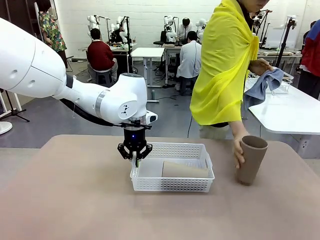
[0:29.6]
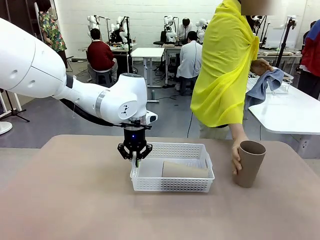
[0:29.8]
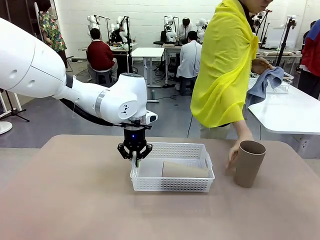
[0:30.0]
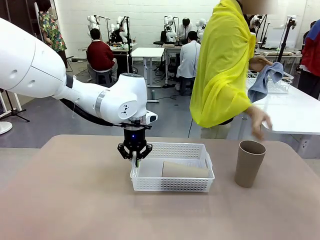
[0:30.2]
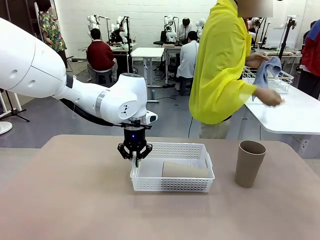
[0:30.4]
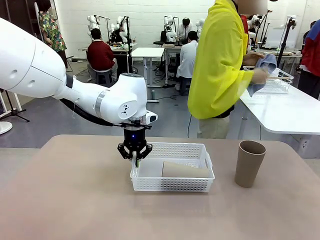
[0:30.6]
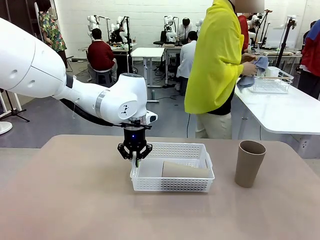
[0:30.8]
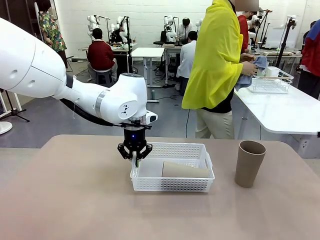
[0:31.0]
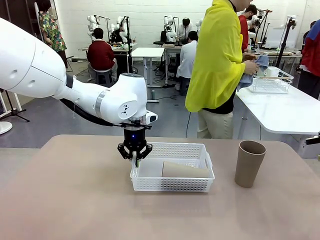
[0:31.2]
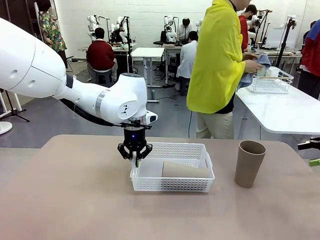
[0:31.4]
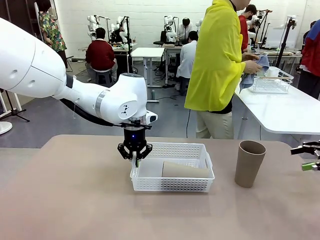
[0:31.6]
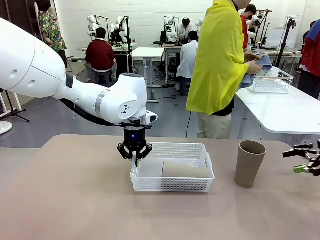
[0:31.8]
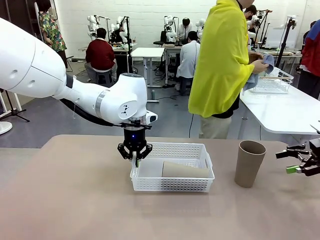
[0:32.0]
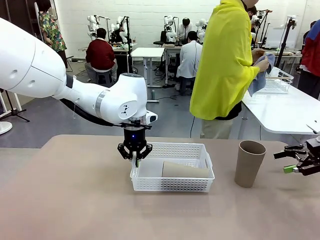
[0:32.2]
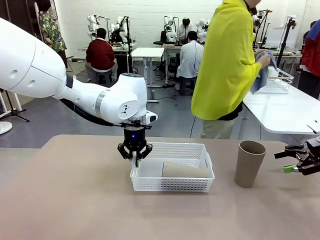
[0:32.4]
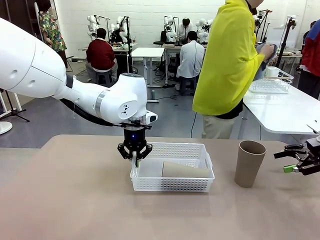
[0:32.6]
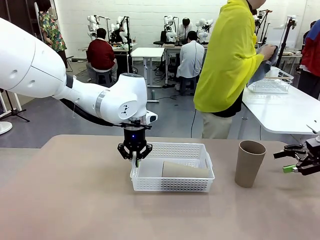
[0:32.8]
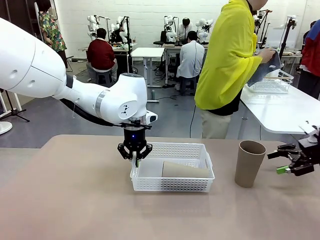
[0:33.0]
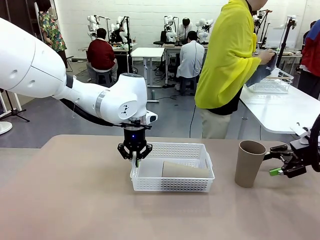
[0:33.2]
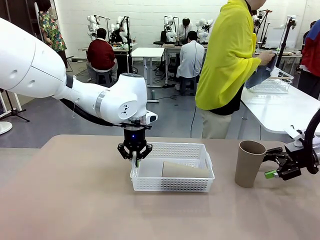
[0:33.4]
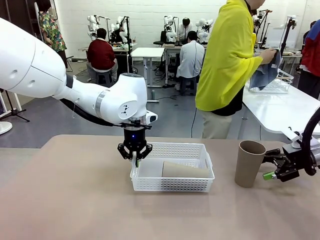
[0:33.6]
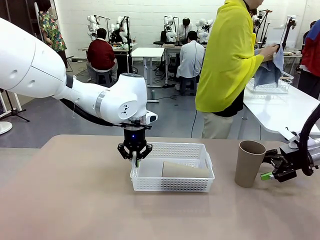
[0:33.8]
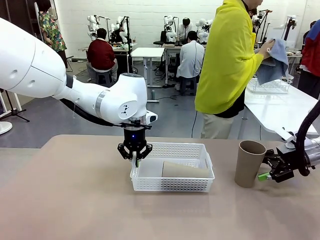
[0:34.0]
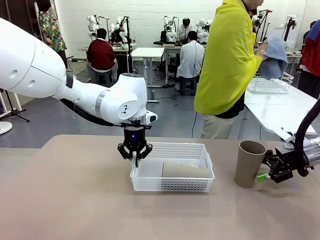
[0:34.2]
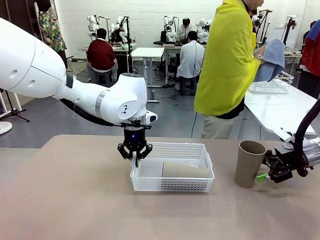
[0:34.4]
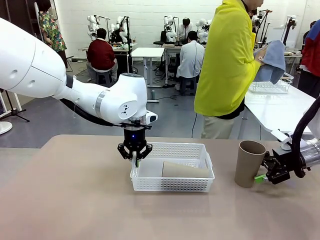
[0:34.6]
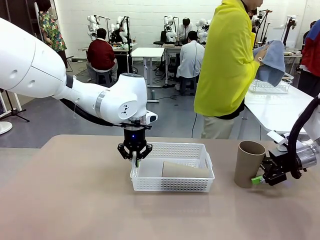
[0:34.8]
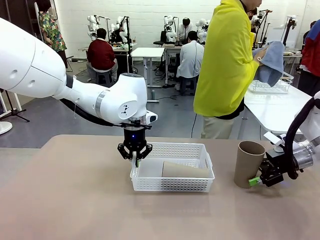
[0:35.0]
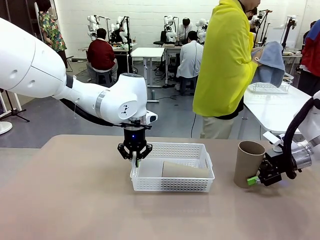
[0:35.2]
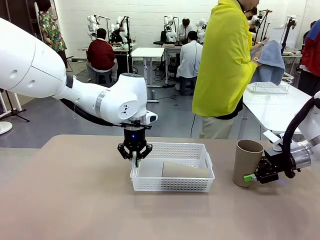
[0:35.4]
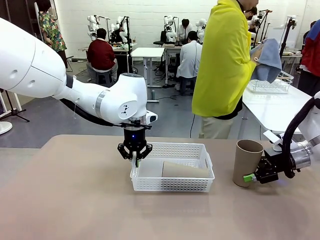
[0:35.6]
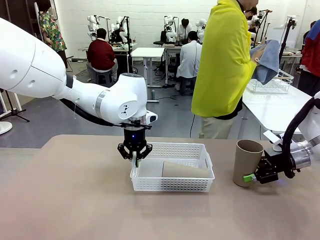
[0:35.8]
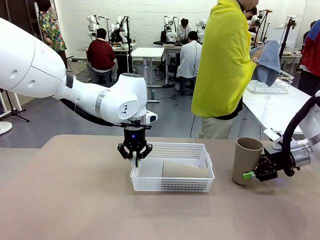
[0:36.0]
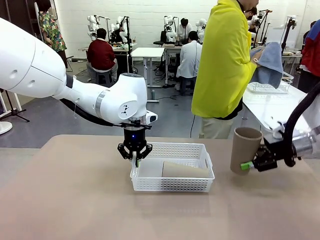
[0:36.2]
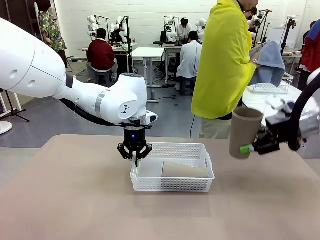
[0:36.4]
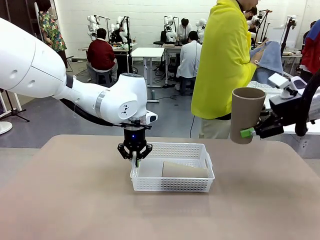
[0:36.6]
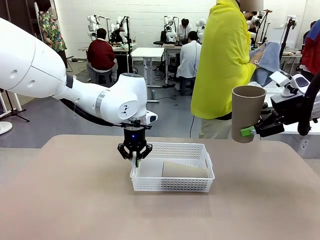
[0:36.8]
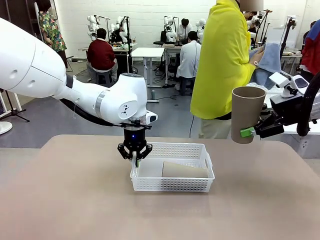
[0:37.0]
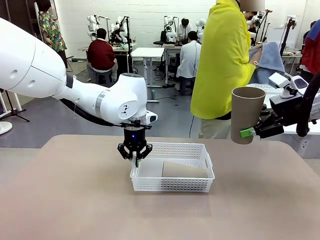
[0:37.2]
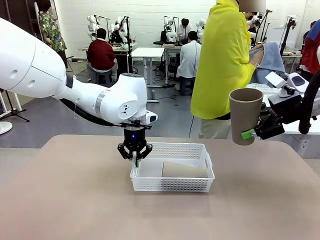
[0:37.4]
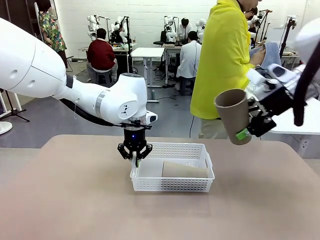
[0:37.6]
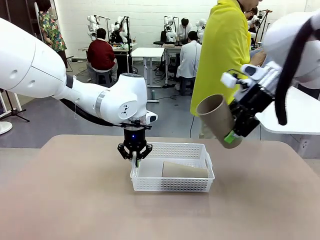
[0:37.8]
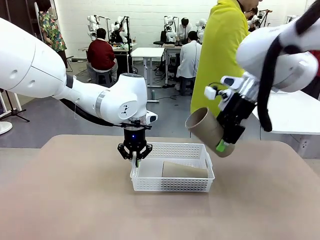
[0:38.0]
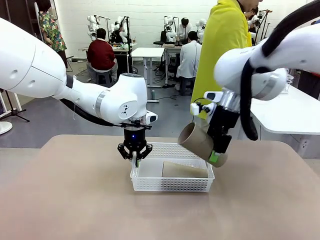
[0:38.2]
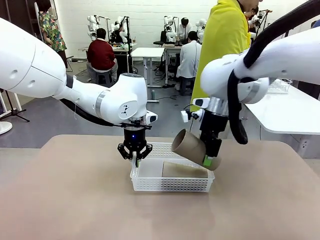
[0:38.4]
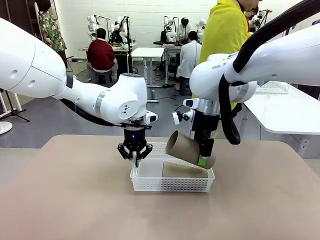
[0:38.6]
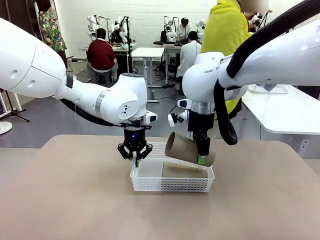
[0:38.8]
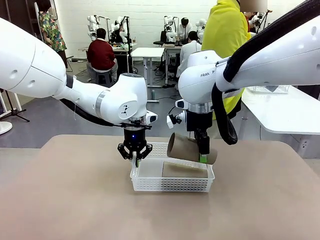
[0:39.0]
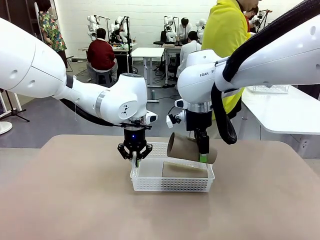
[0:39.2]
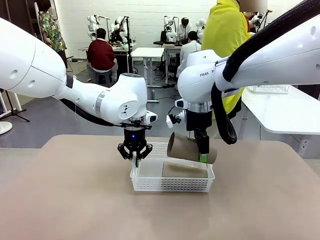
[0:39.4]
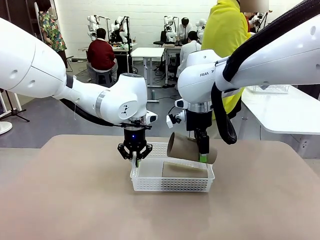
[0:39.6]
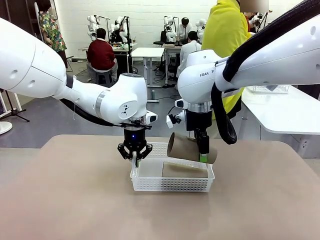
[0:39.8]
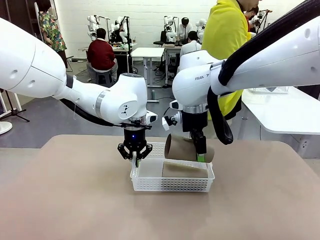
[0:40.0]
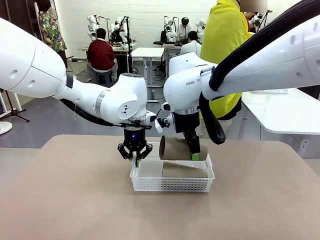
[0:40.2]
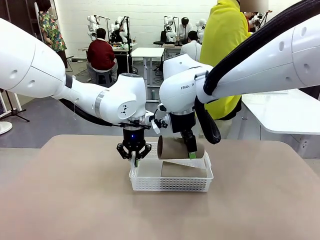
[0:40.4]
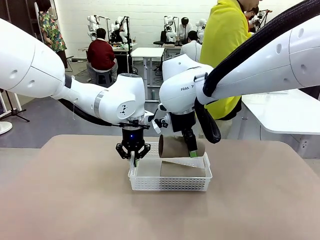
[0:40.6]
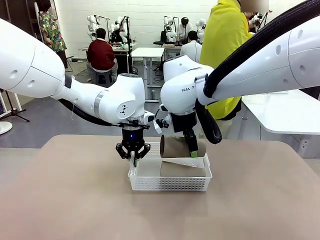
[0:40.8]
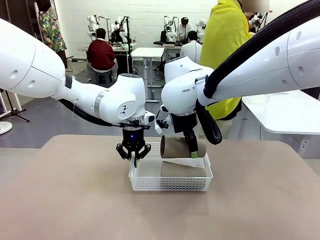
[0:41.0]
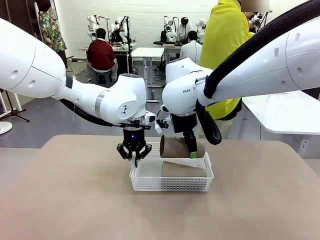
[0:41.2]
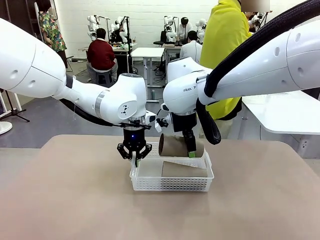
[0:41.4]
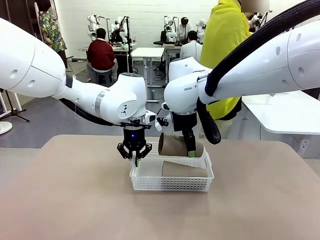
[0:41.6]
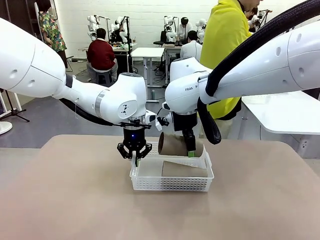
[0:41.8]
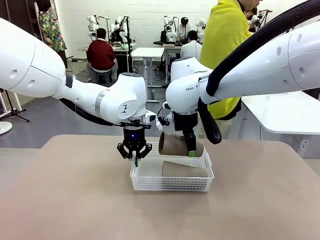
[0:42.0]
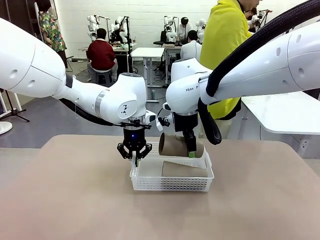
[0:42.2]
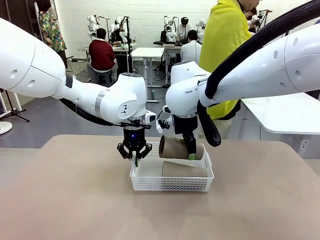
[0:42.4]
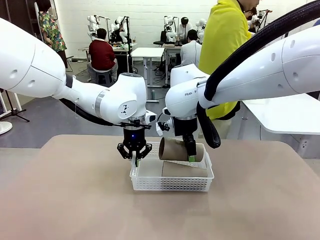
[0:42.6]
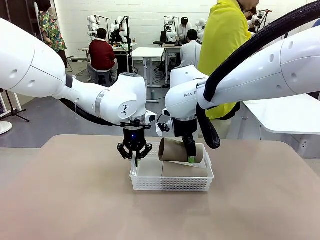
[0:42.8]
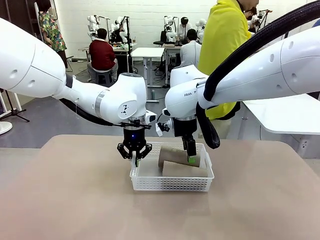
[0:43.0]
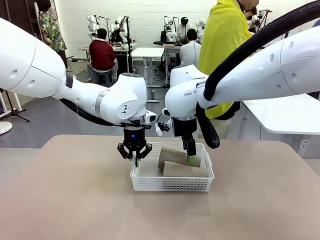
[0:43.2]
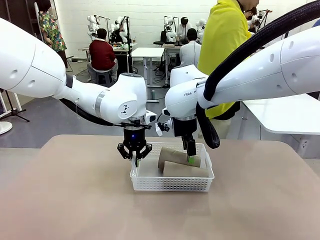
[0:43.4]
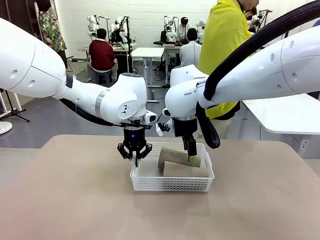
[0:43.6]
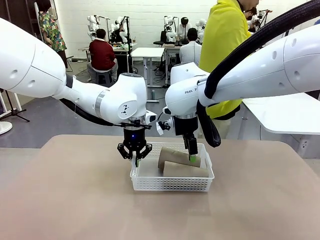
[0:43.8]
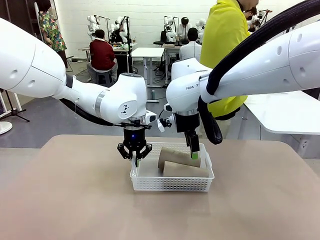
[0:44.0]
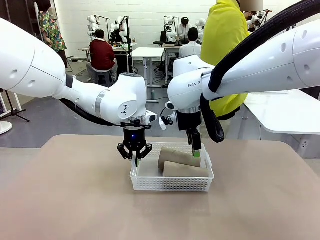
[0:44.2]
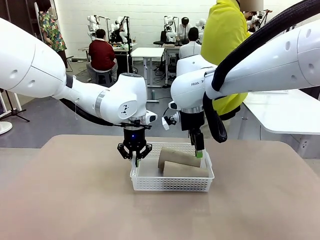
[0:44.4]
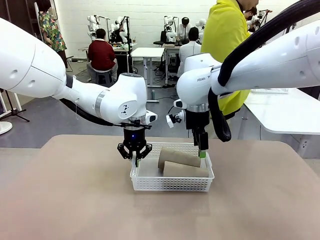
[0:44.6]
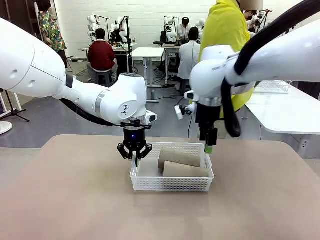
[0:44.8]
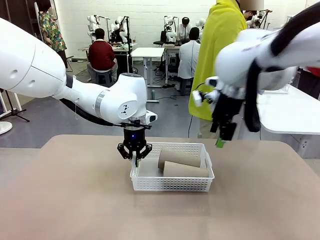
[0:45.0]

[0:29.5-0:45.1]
Task: Clean and organize the cups into the basket.
Robot: Pick up the Reusable plastic cup from the right side of the table and stack it inside the Organizing basket in the center of the table.

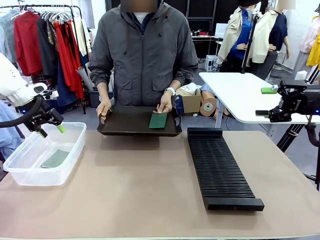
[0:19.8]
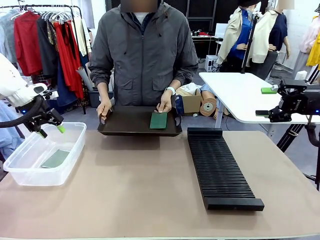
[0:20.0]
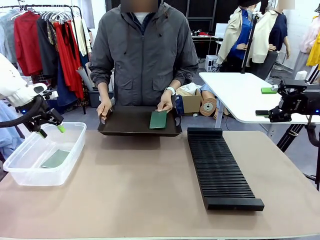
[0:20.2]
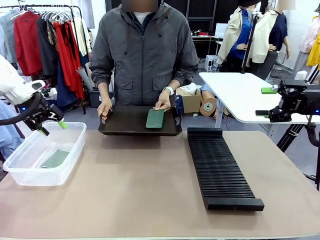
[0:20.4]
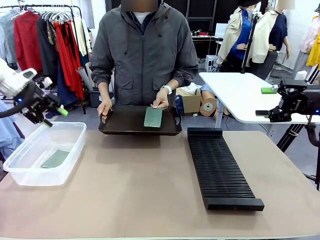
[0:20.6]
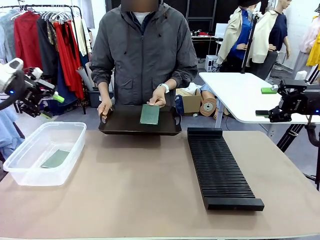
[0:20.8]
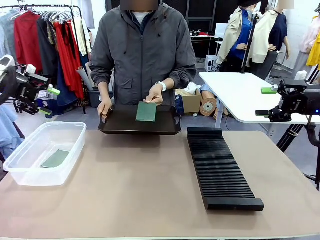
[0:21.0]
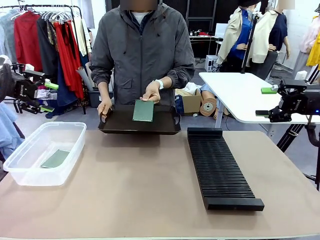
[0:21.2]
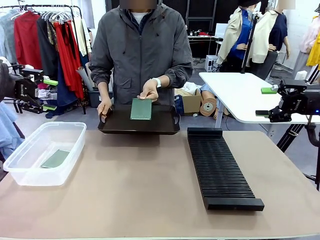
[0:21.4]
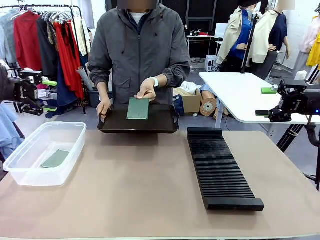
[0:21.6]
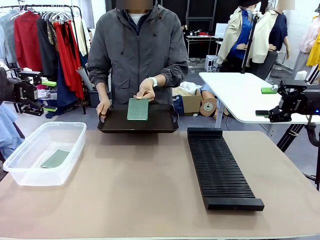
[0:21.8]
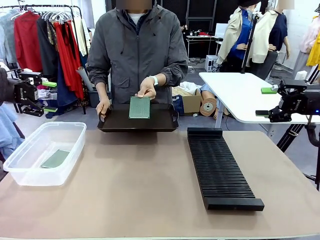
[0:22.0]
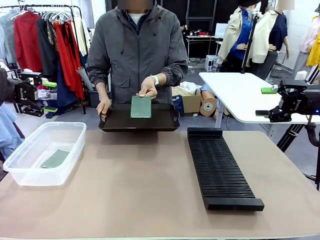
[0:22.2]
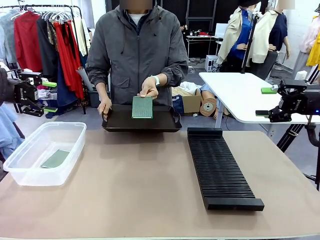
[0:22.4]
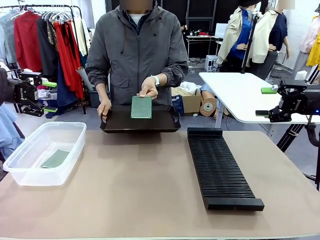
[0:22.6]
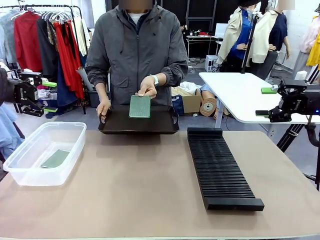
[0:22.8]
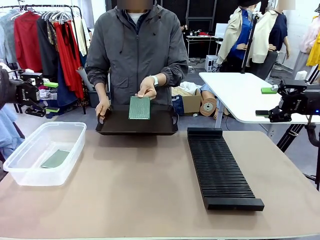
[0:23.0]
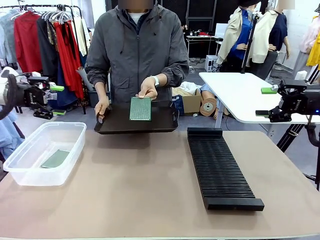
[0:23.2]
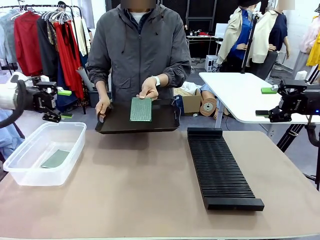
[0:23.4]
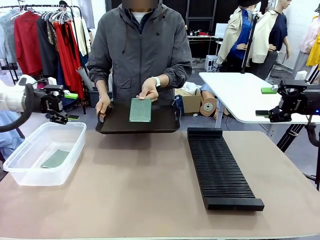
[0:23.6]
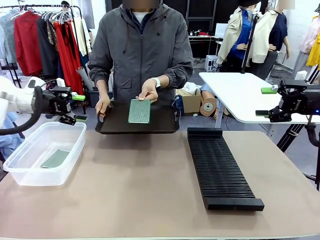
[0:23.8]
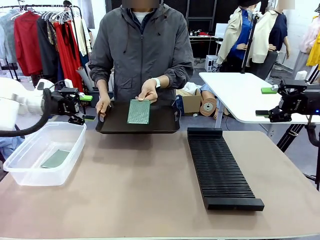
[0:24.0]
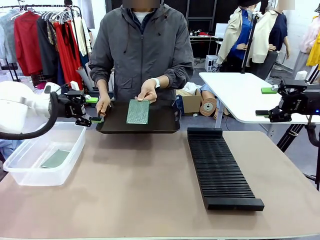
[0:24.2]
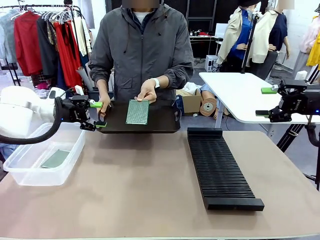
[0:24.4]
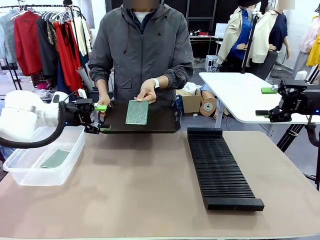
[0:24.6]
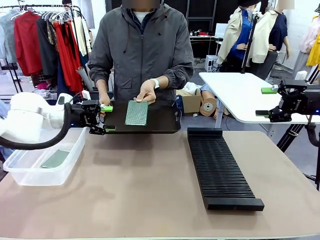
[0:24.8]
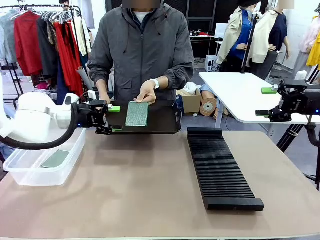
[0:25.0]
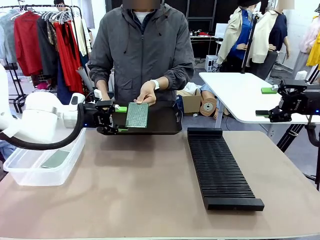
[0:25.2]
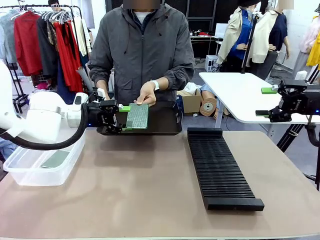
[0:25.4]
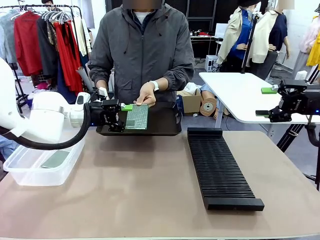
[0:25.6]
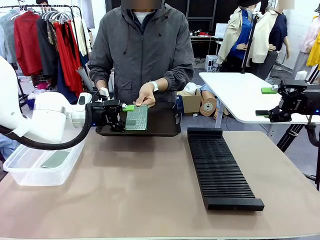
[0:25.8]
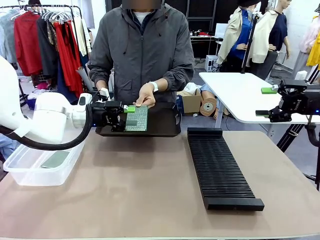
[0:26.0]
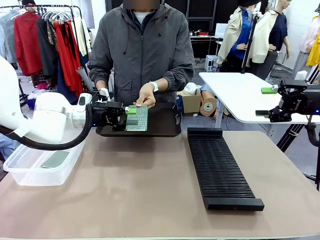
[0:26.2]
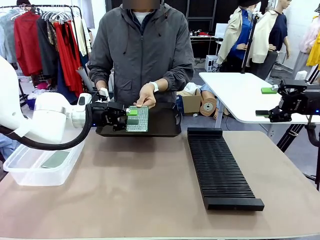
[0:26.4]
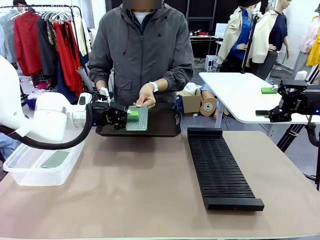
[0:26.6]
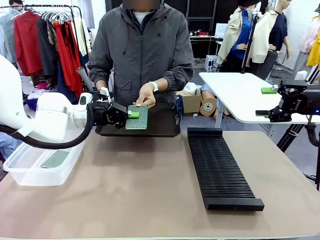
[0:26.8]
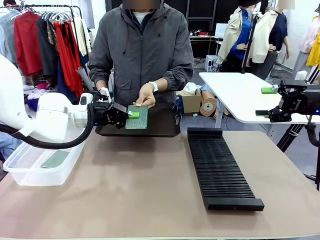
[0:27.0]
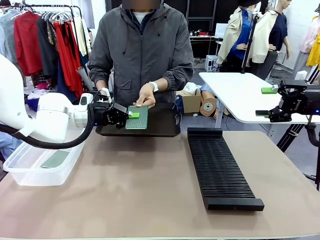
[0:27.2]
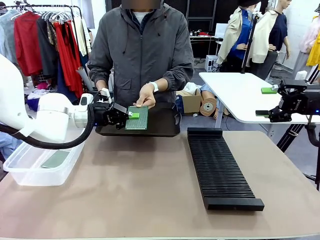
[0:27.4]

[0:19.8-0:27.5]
Task: Sort PCBs into racks and boxes based on the side picked up.
Robot: Pick up the Blank PCB handed by the Human.
